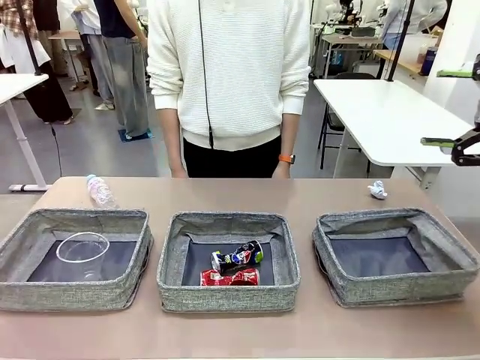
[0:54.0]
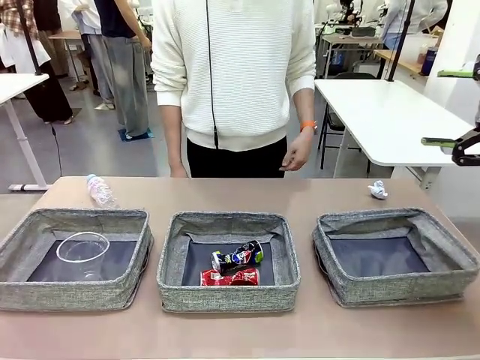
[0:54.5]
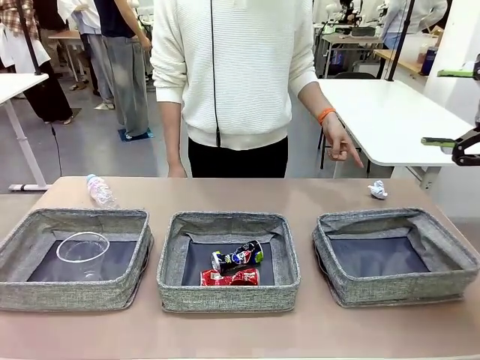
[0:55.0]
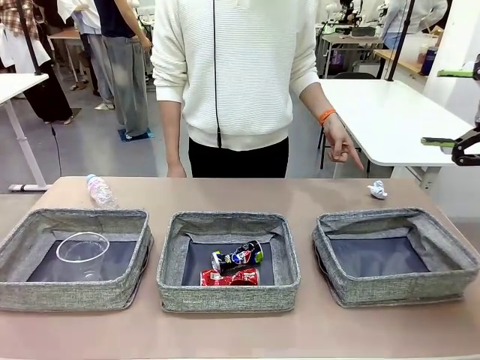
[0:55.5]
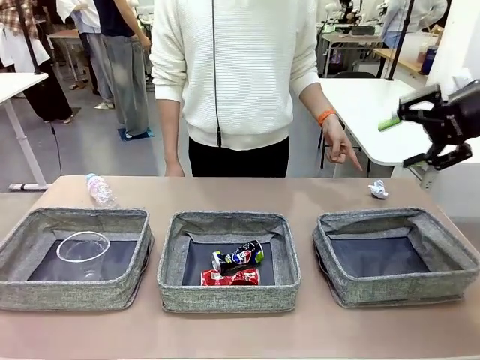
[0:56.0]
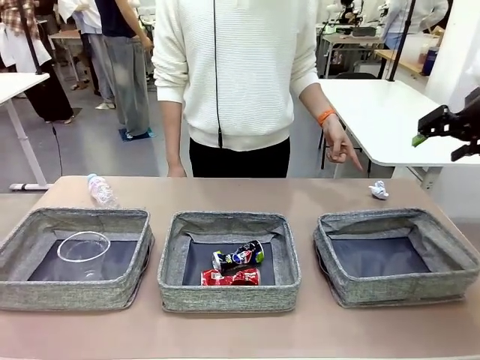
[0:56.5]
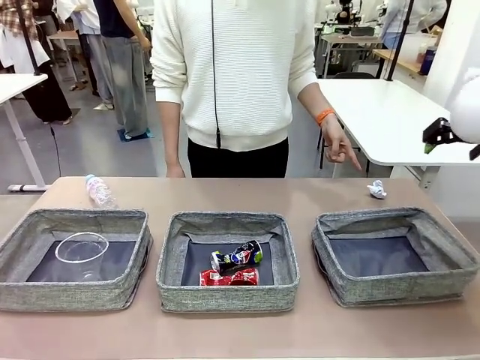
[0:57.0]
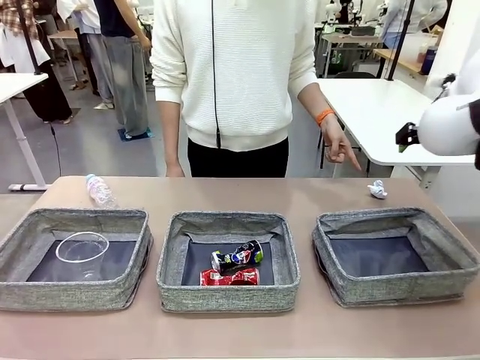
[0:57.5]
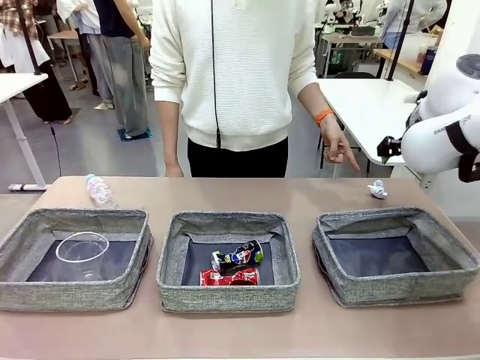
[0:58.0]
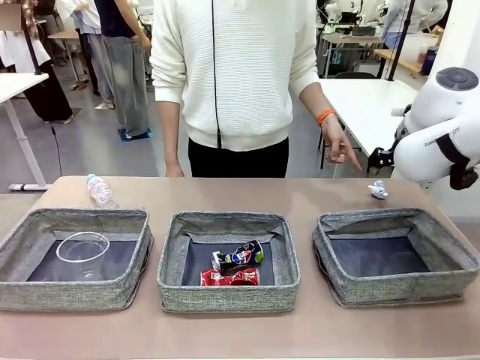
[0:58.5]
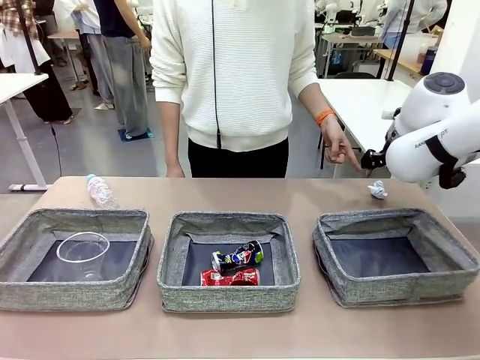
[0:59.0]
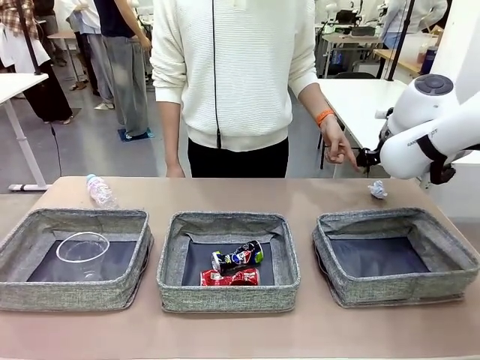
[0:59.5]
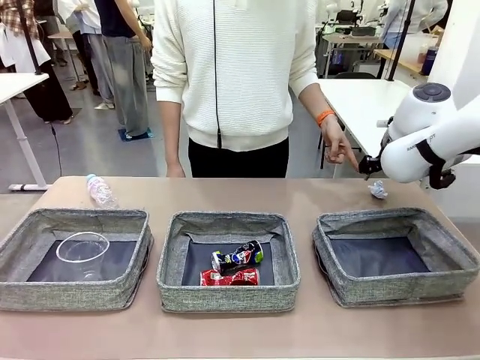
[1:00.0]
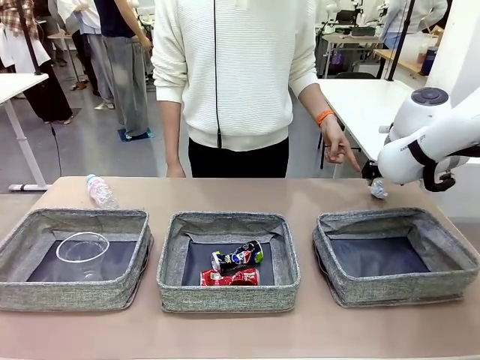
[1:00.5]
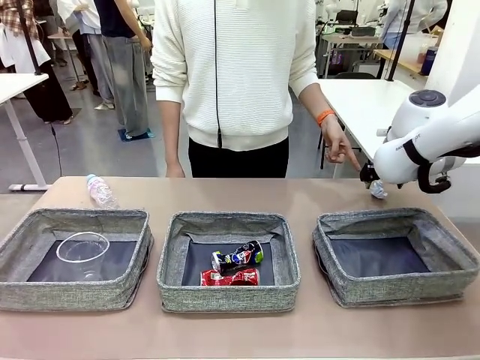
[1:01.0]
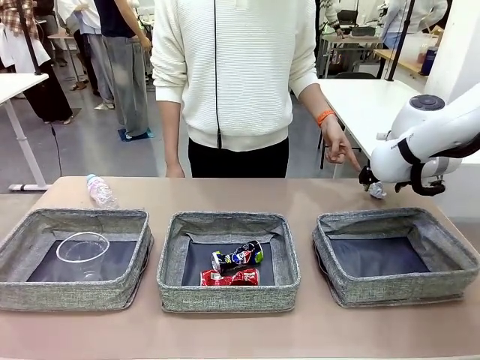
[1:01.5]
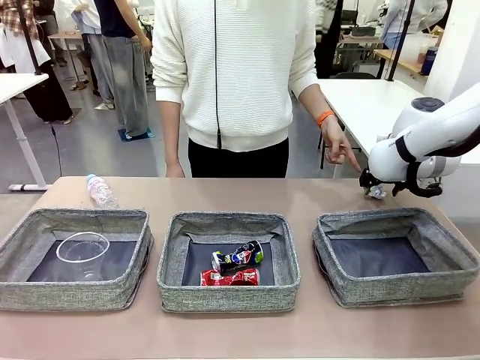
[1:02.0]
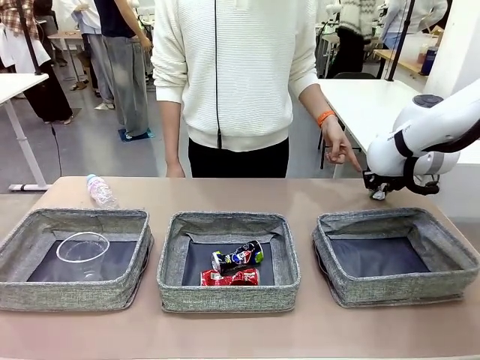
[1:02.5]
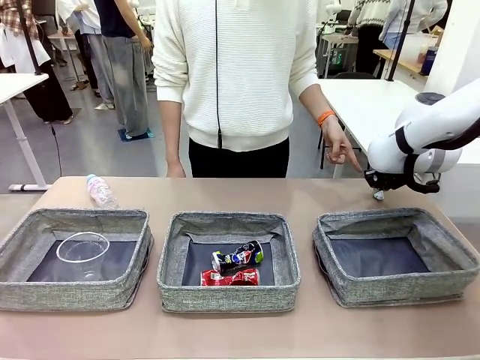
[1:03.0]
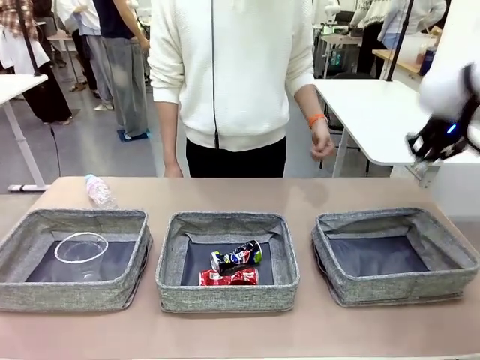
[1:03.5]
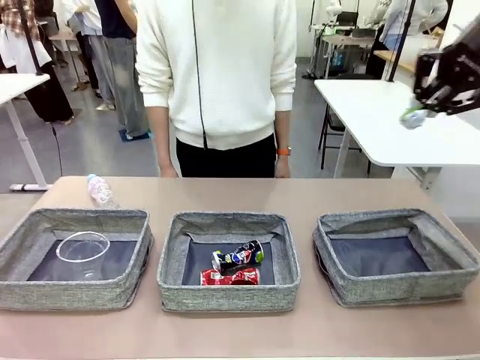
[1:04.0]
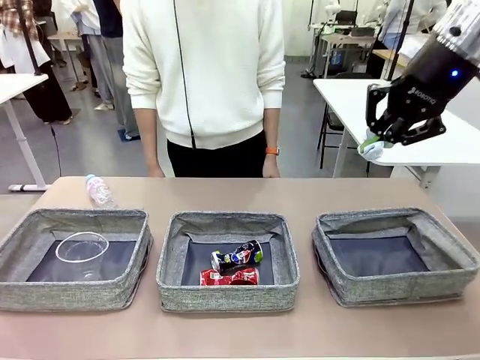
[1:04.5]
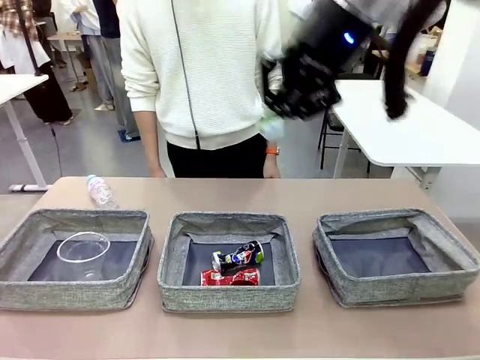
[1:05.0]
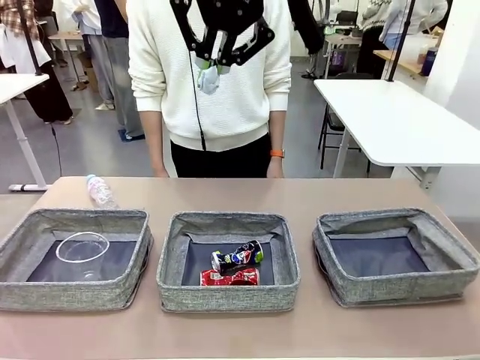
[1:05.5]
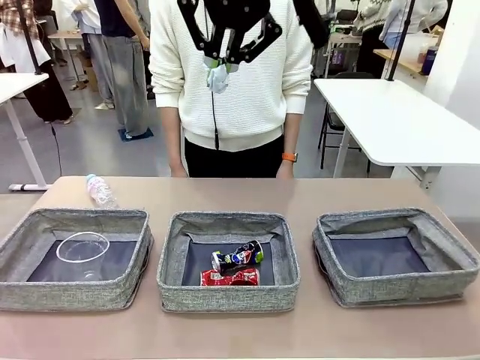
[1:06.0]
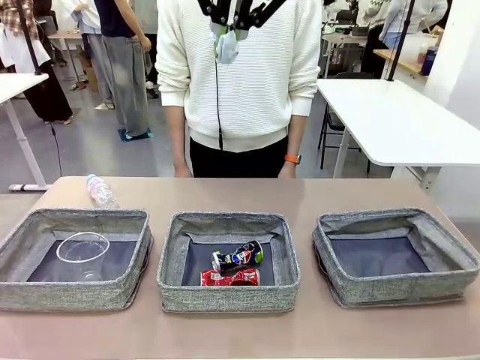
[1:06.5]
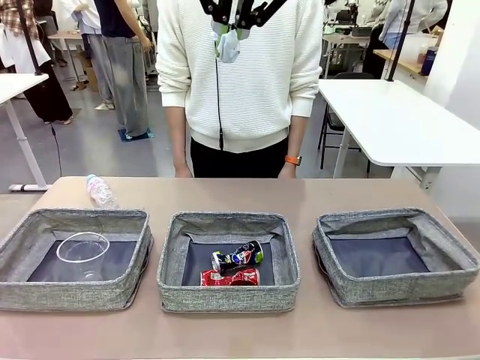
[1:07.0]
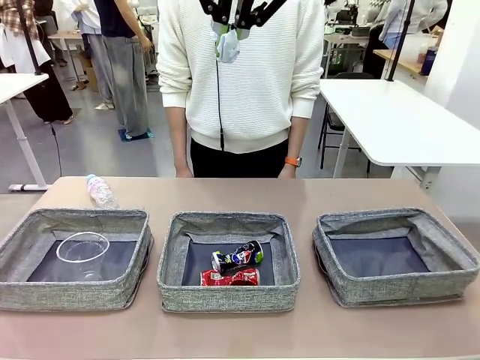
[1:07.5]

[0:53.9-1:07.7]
Task: Sort the waste into the appropriate baskets.
Robot: Pick up the waste item pointed out by the person.
Person: Points to one piece of trash on the table.

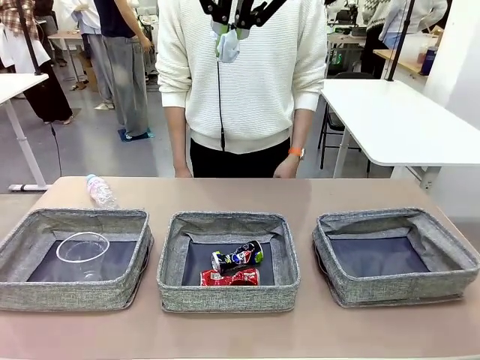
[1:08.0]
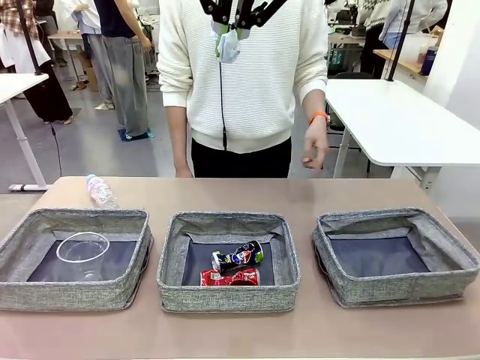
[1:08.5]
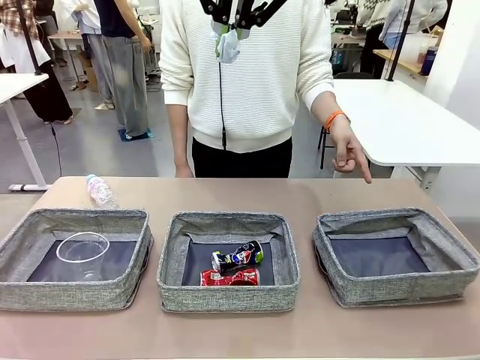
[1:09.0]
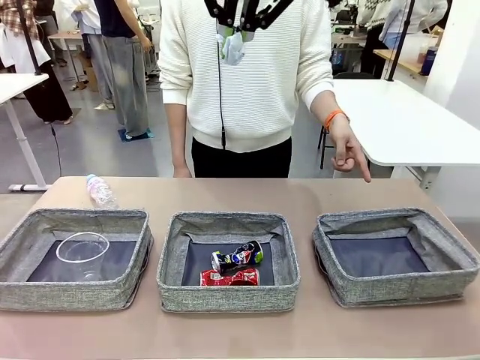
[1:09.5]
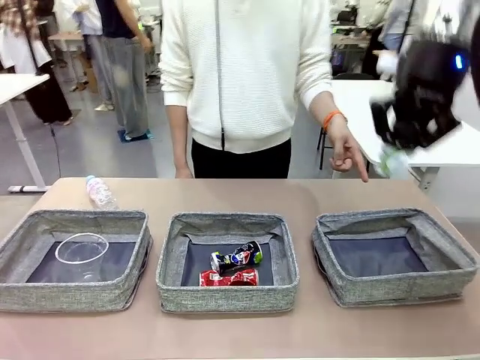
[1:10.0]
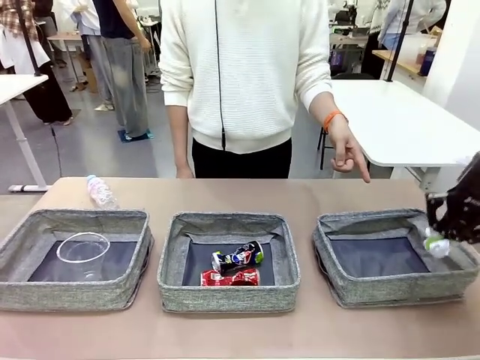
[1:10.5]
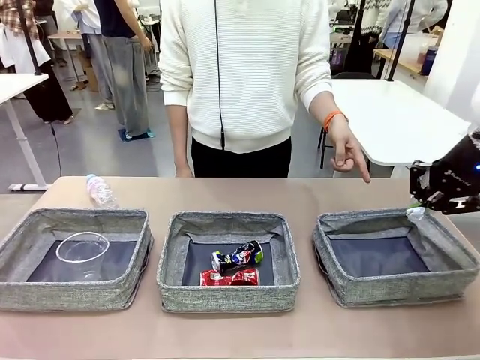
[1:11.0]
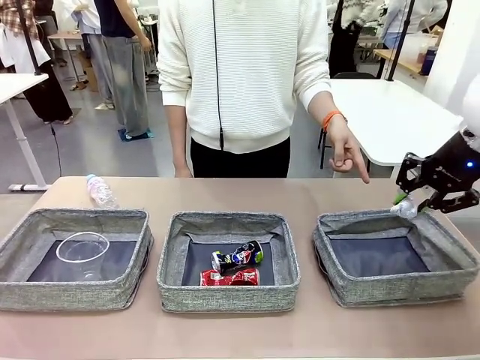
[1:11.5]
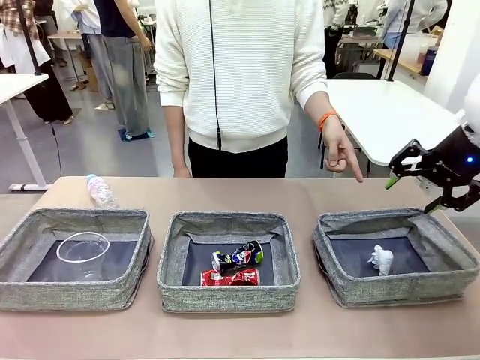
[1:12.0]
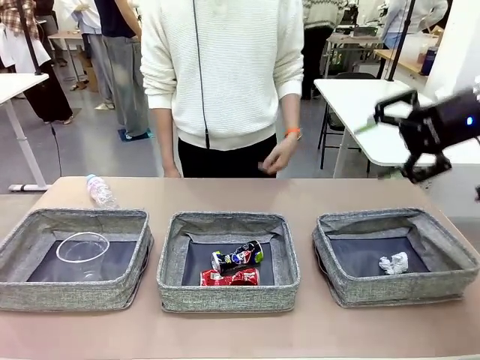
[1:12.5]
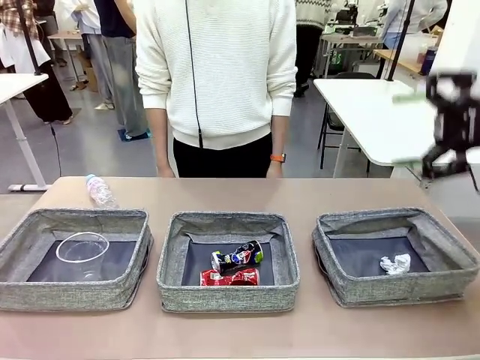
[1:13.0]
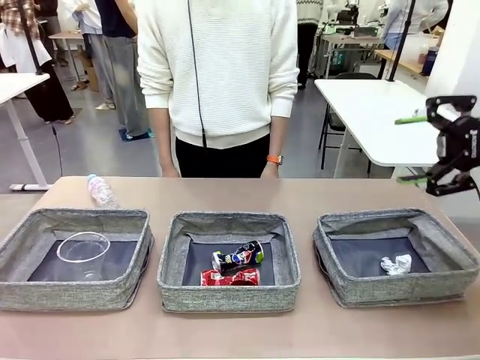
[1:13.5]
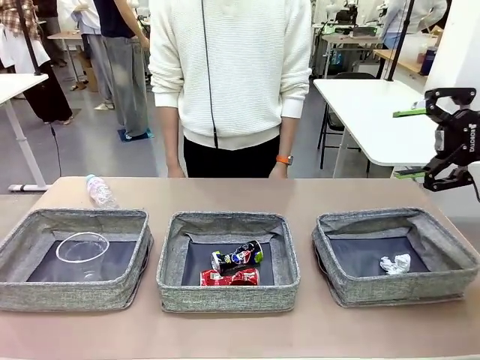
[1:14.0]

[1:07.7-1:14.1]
Robot: Place the picked waste into the Fabric basket indicated by the person.
Person: Instructs the robot to place the picked-up trash into the appropriate organizing basket.
